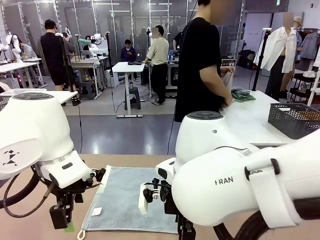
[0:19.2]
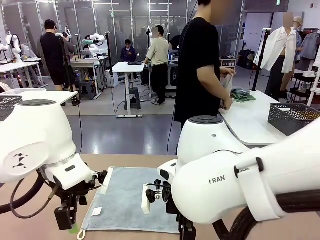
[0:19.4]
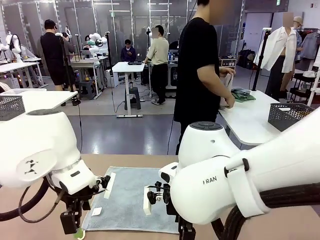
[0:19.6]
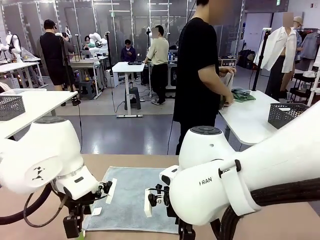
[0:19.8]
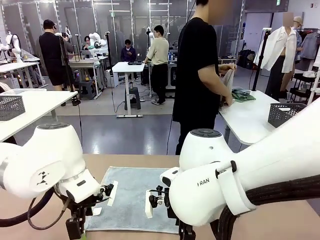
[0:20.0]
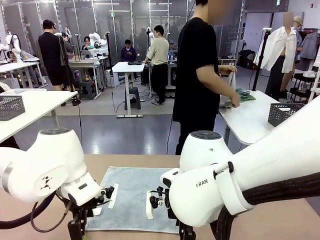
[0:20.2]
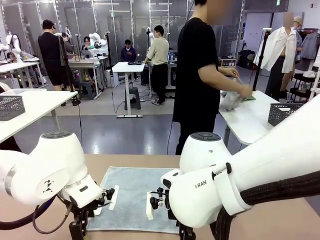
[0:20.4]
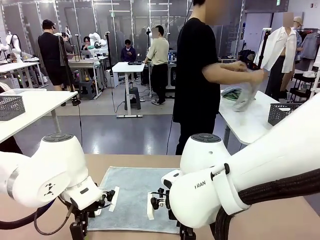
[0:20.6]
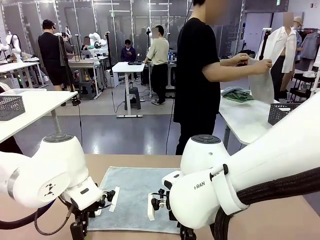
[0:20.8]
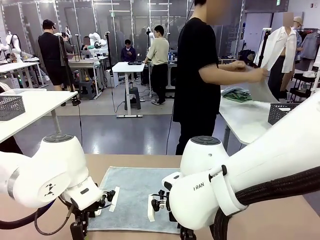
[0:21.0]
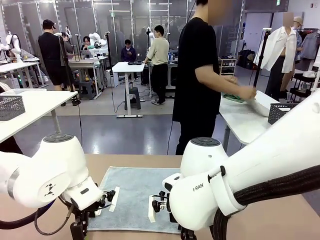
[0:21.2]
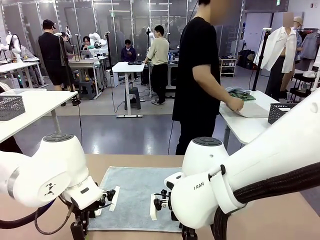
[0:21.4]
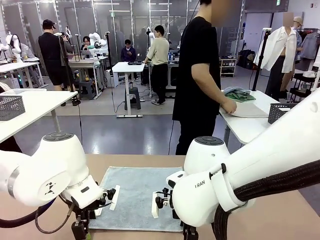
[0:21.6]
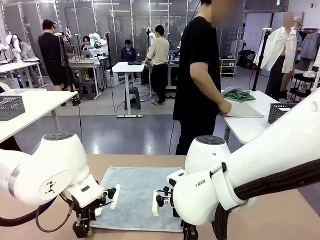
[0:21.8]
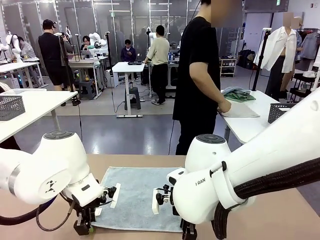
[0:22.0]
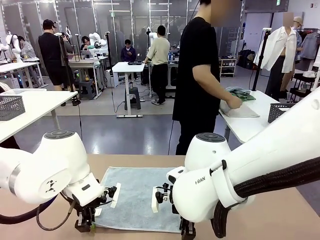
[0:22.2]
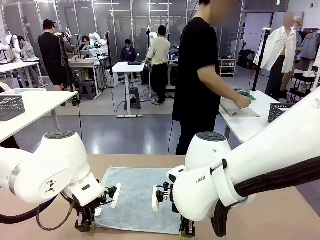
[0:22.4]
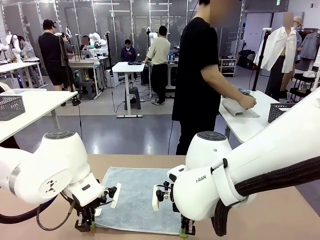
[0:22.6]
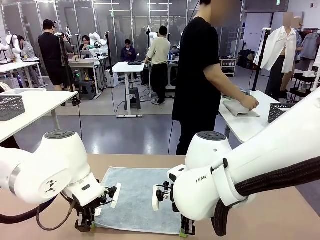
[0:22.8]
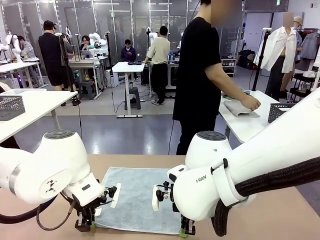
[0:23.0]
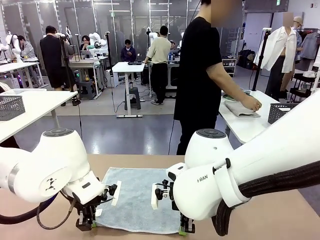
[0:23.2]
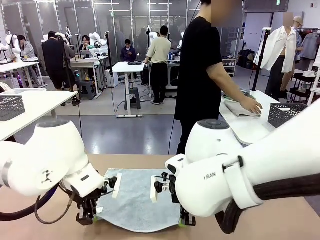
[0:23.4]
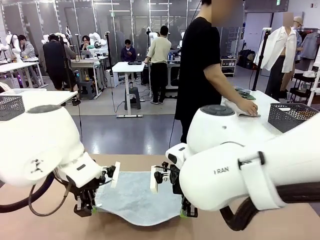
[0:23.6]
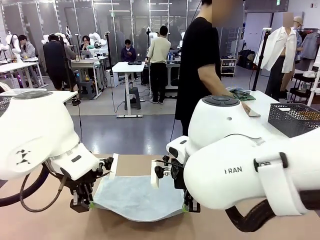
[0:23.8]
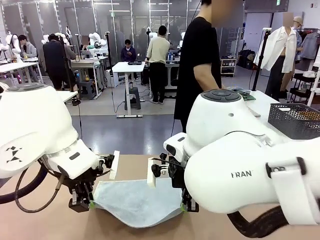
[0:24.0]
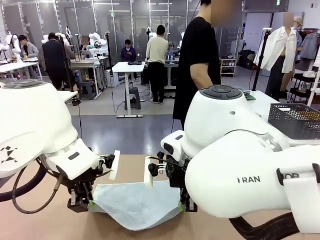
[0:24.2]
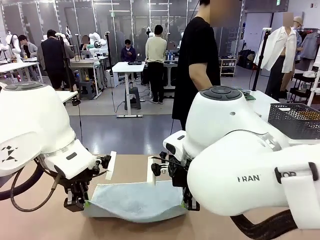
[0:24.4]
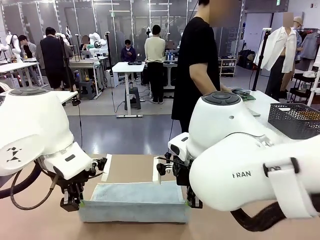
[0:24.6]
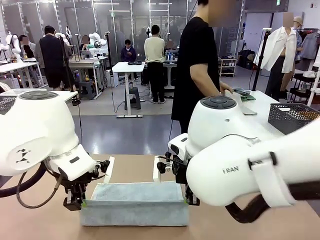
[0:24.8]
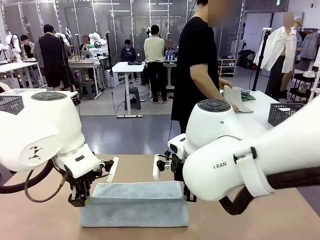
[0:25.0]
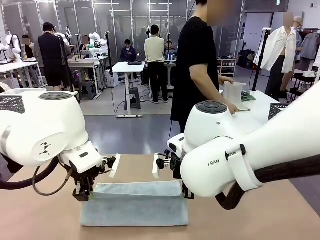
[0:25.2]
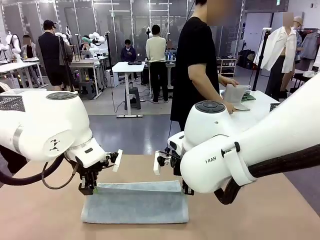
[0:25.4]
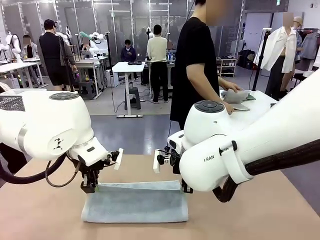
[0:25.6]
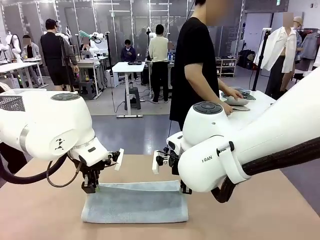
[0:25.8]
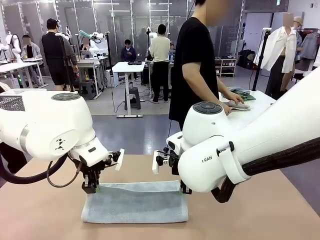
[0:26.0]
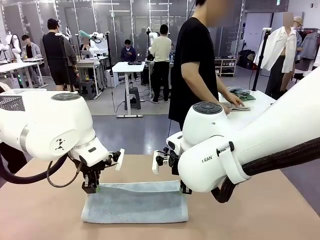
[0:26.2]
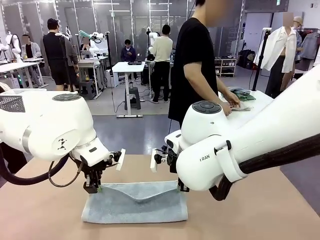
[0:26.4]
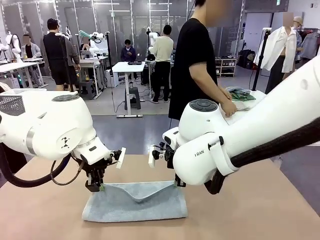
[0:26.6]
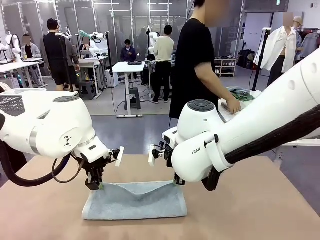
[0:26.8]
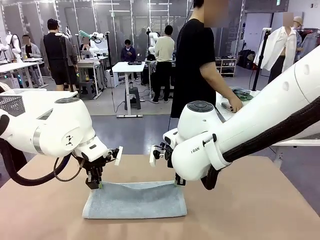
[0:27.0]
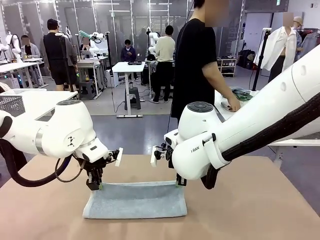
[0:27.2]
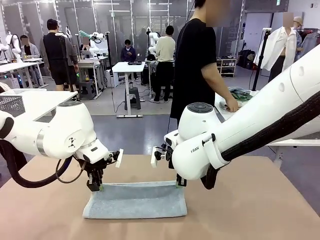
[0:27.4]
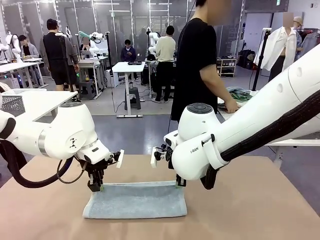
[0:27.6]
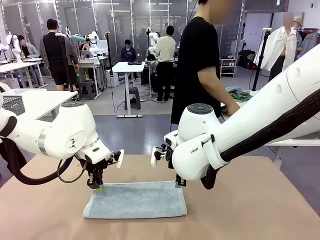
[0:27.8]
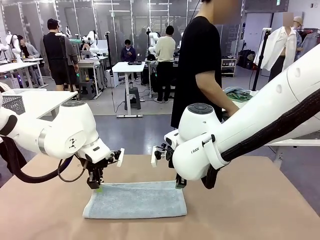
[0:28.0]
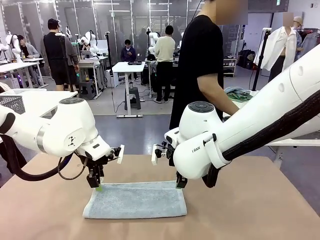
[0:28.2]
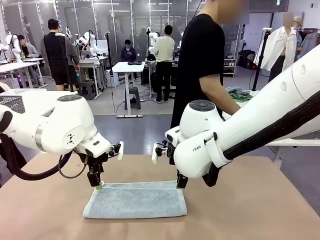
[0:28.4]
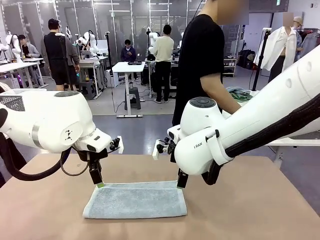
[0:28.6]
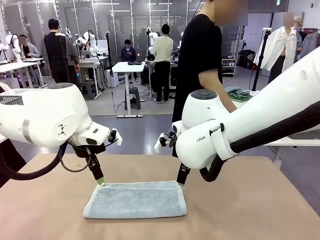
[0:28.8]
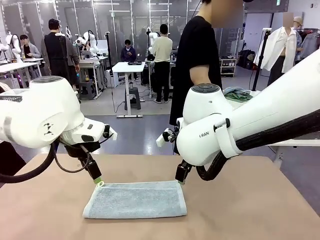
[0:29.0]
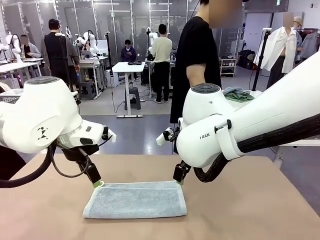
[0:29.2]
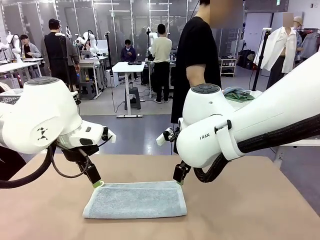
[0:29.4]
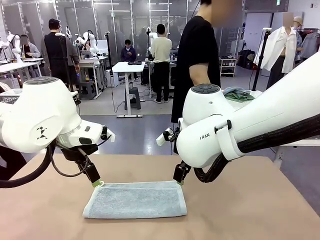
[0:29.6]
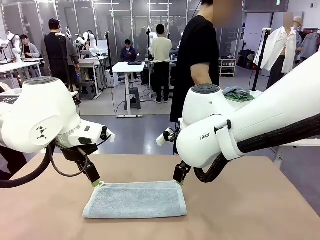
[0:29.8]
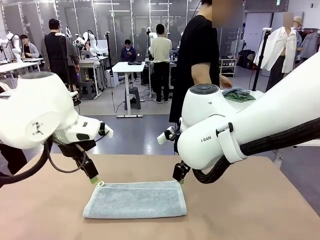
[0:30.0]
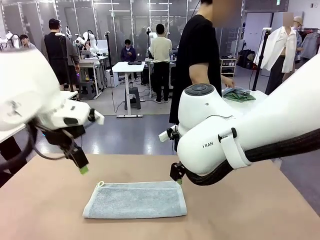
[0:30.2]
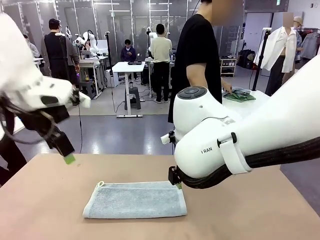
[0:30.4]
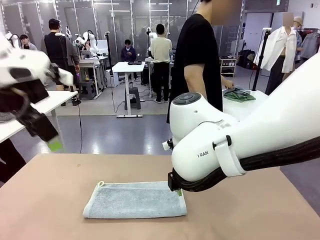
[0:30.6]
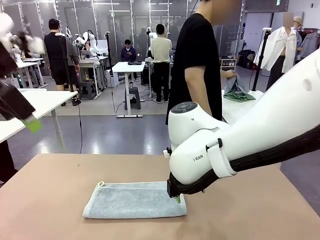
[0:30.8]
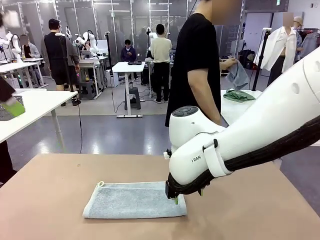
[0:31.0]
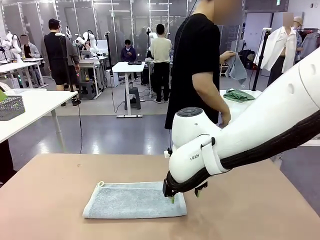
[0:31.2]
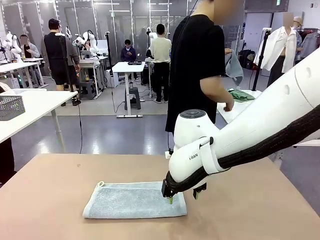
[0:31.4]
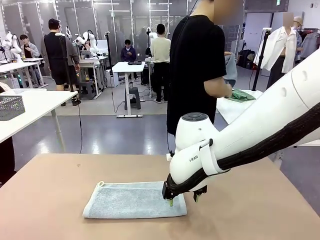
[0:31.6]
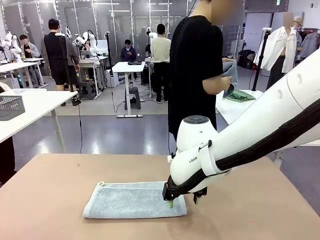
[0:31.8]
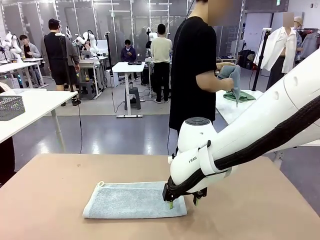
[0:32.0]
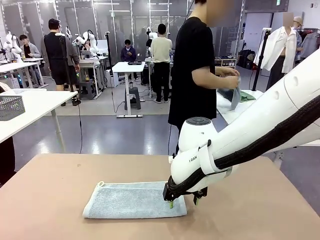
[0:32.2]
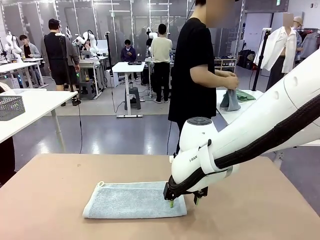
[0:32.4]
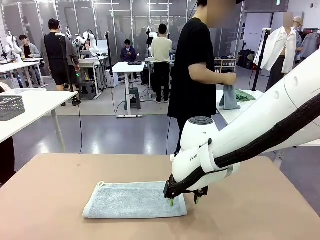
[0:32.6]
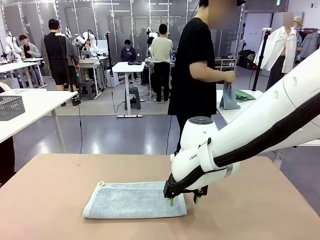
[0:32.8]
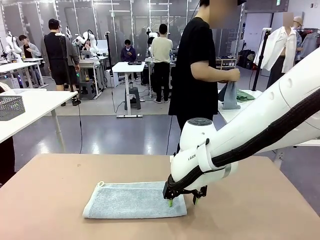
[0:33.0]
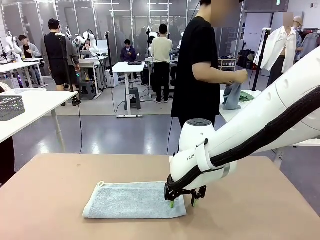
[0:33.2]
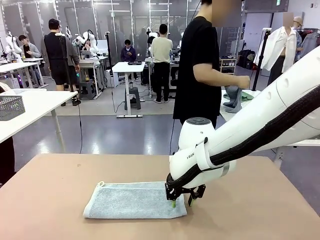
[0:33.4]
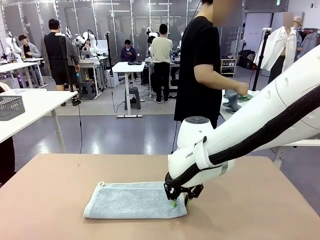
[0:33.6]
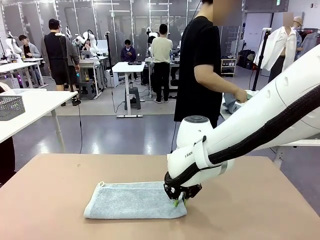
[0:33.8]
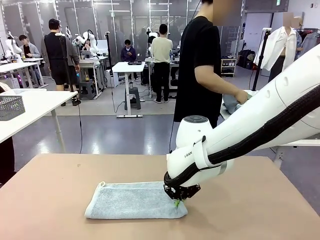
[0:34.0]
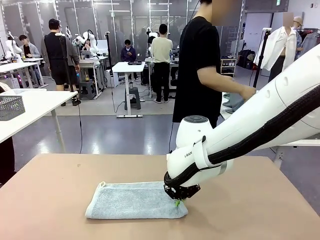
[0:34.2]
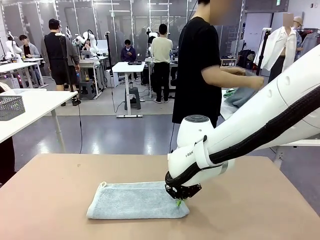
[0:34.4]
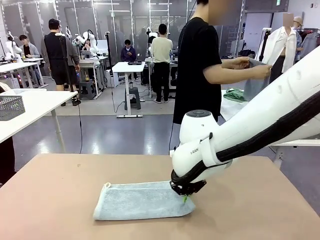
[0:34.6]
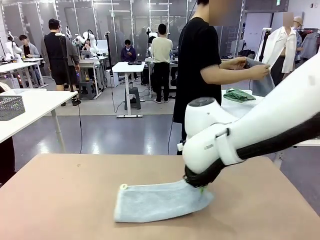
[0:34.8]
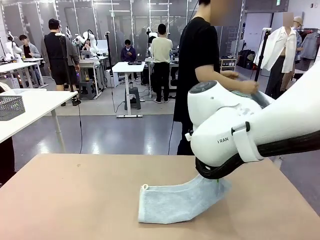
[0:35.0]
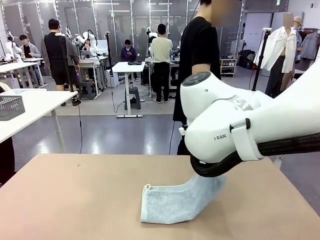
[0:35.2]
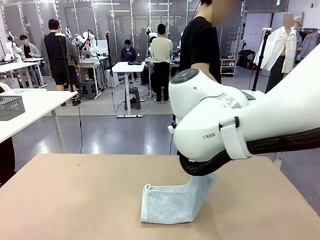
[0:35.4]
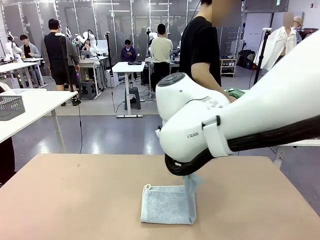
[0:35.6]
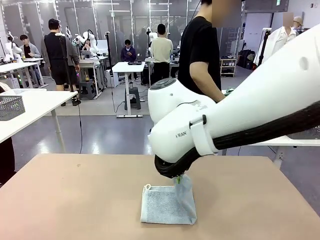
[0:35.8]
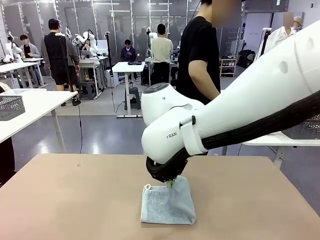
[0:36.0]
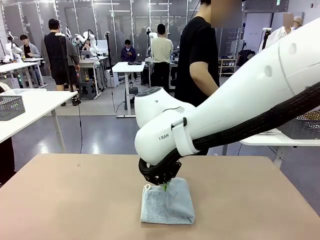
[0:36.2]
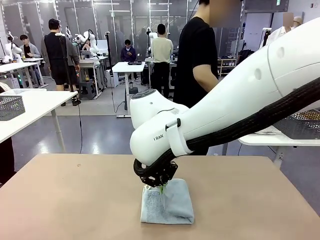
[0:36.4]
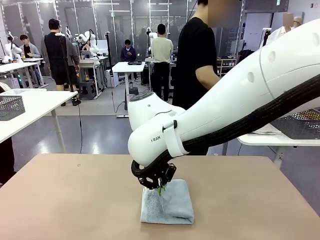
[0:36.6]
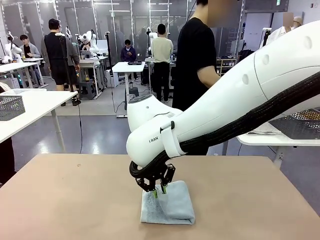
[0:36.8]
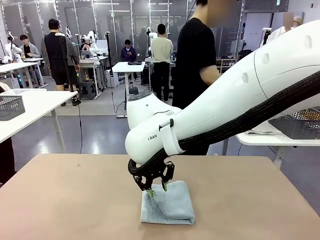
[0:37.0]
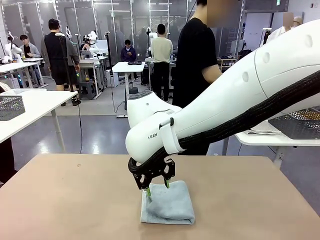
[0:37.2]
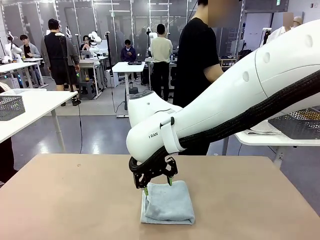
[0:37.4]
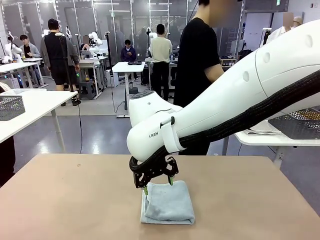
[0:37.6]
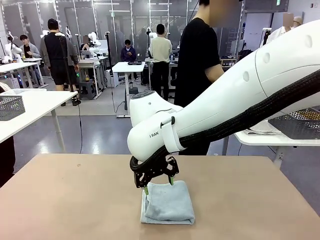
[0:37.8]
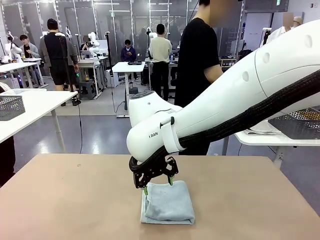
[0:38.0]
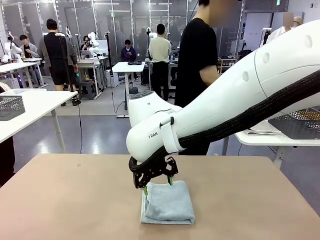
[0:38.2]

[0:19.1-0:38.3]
Task: Fold the towels and place them in the basket.
Robot: When a person lays out a Towel with hook on the table, fold it in half twice.
Person: Pick up one towel from the left side of the human table, fold it in half twice, and place it on the right side of the table. Pick up one towel from the left side of the human table, fold it in half twice, and stack it on the right side of the table.
